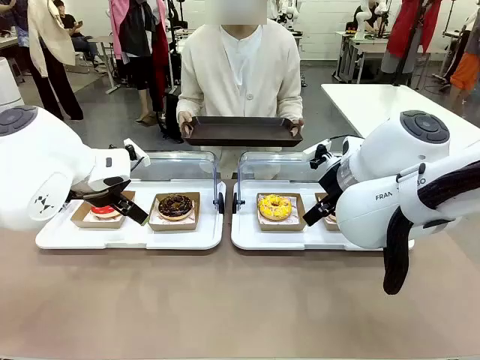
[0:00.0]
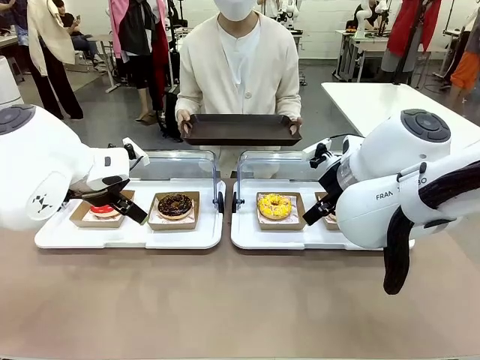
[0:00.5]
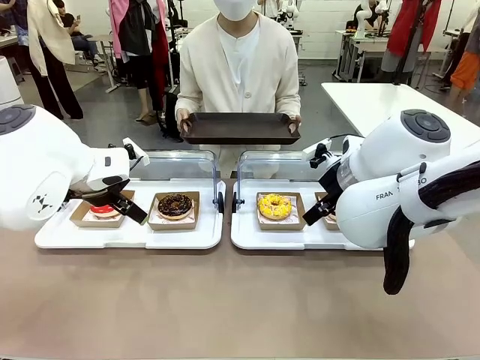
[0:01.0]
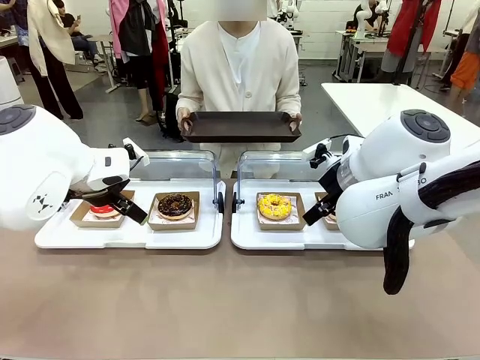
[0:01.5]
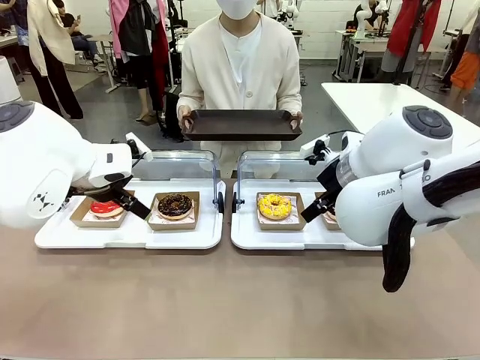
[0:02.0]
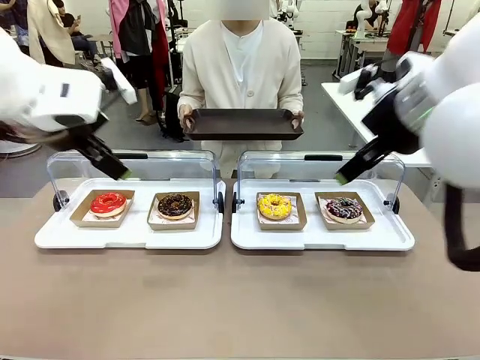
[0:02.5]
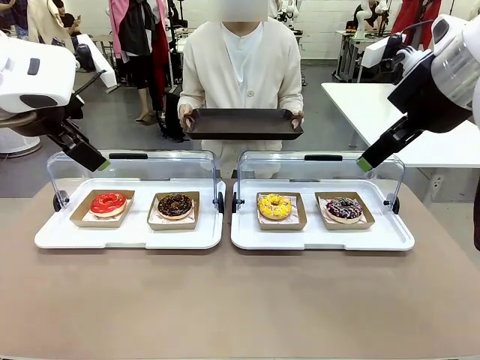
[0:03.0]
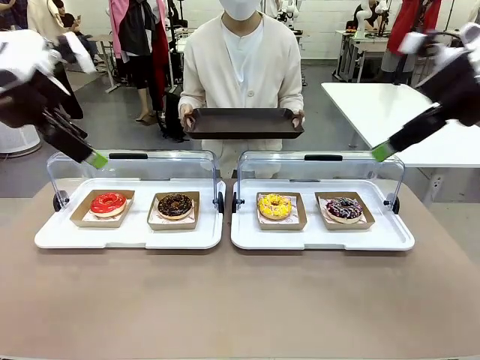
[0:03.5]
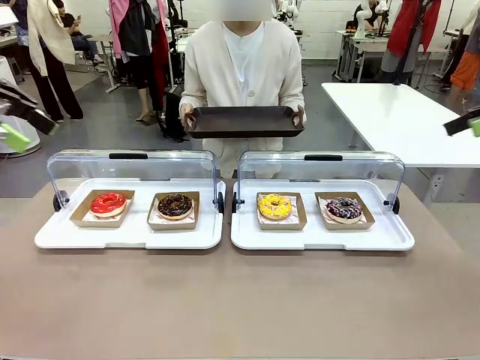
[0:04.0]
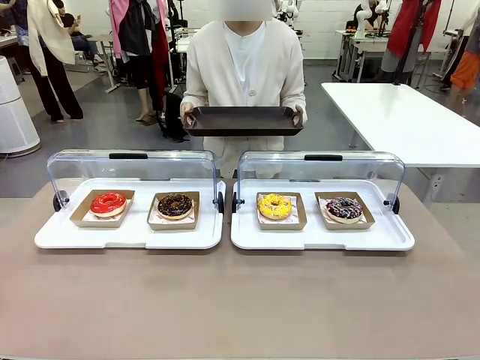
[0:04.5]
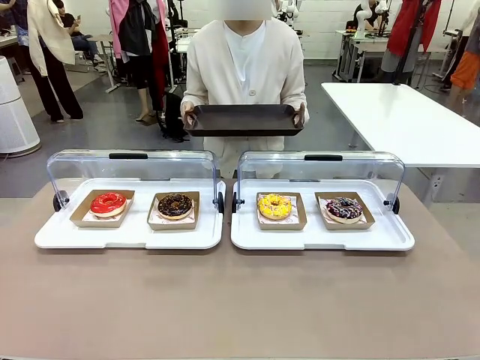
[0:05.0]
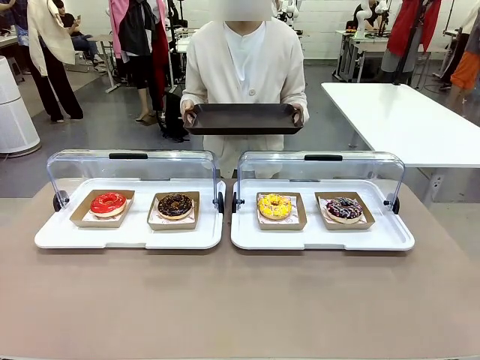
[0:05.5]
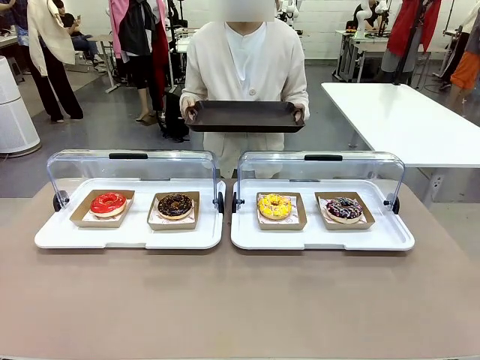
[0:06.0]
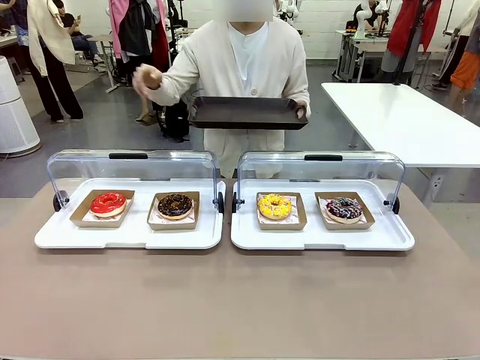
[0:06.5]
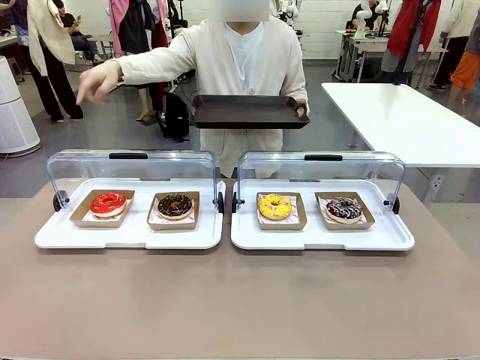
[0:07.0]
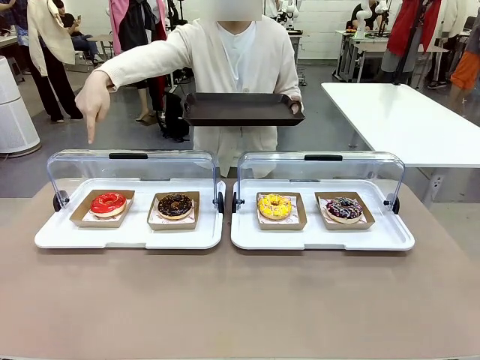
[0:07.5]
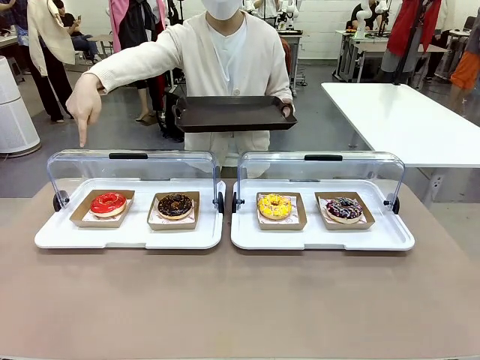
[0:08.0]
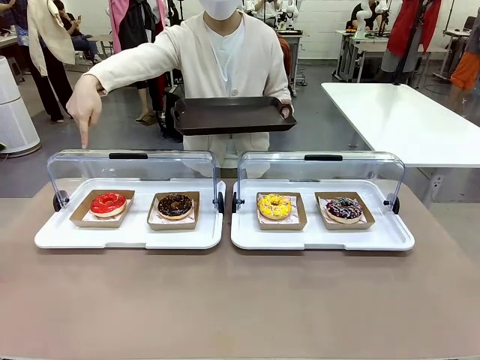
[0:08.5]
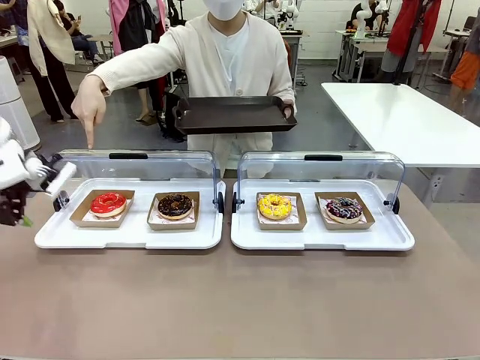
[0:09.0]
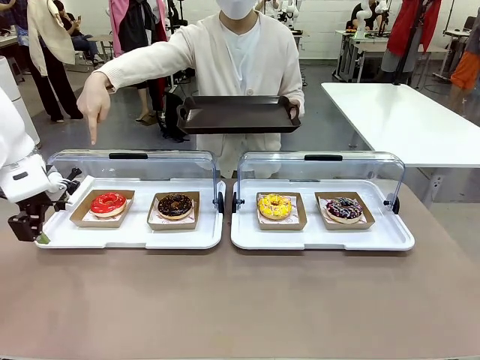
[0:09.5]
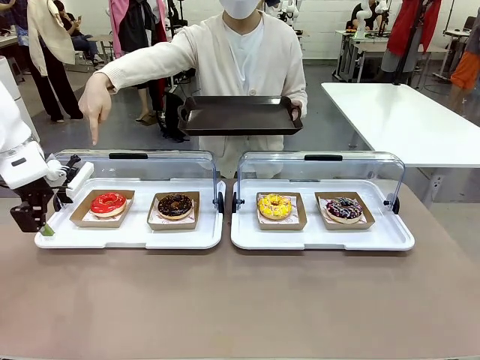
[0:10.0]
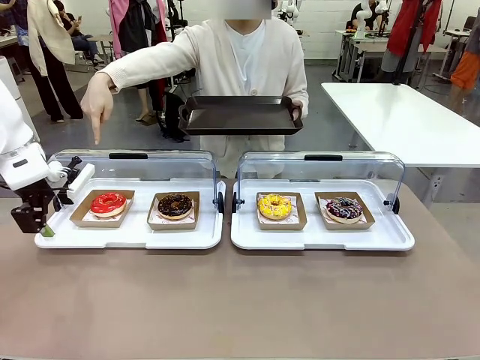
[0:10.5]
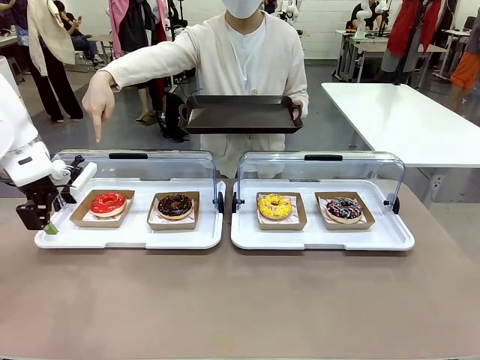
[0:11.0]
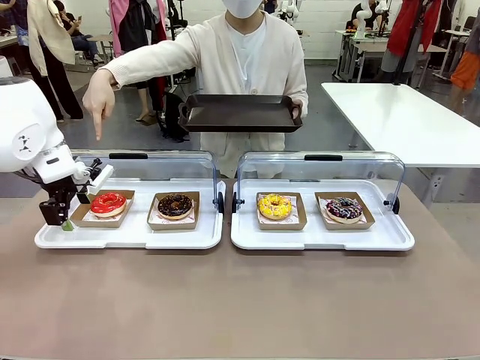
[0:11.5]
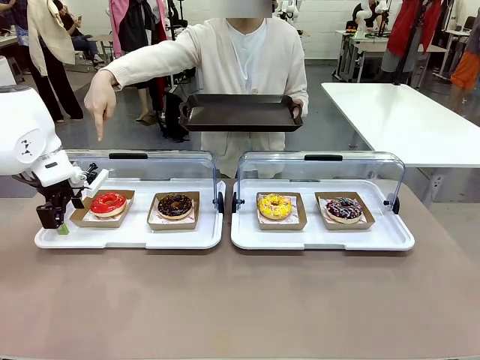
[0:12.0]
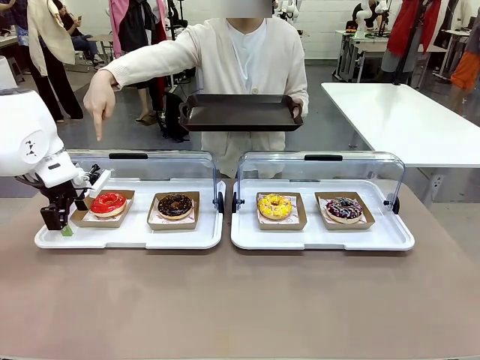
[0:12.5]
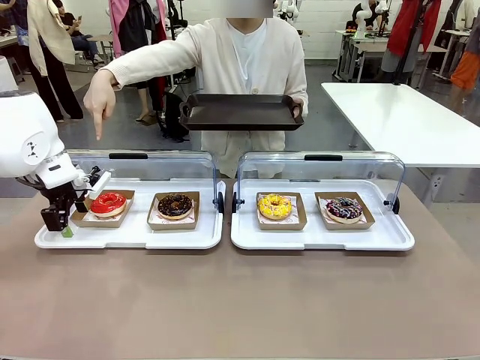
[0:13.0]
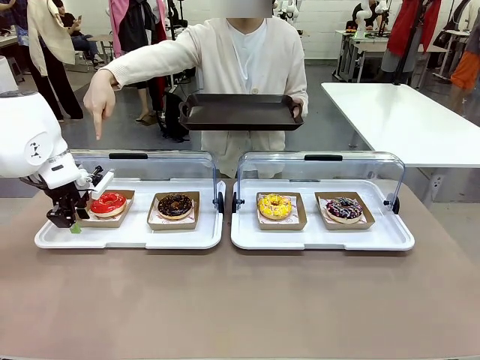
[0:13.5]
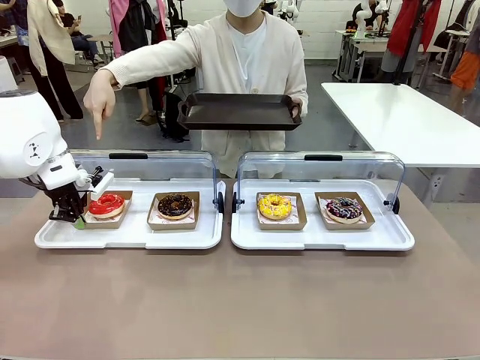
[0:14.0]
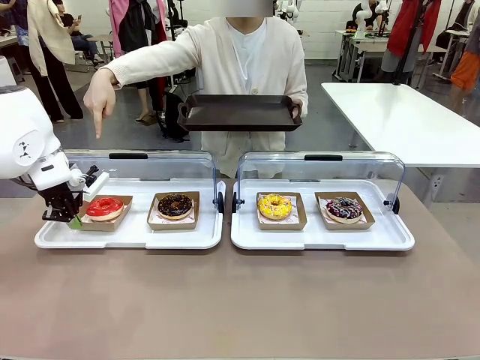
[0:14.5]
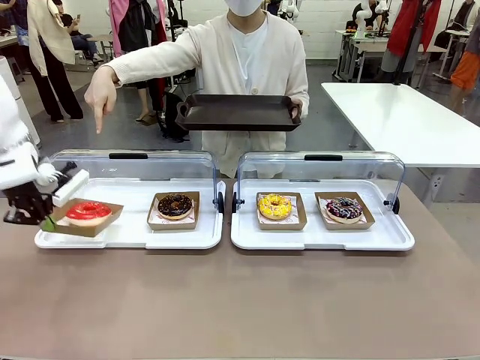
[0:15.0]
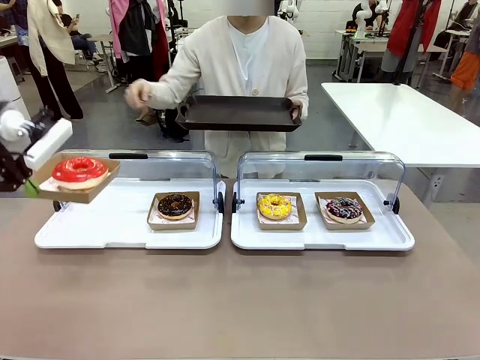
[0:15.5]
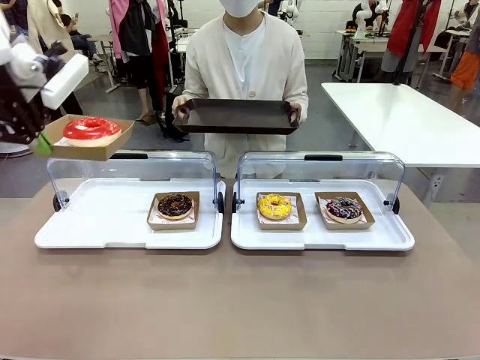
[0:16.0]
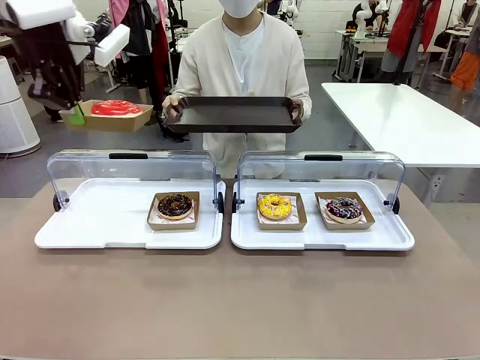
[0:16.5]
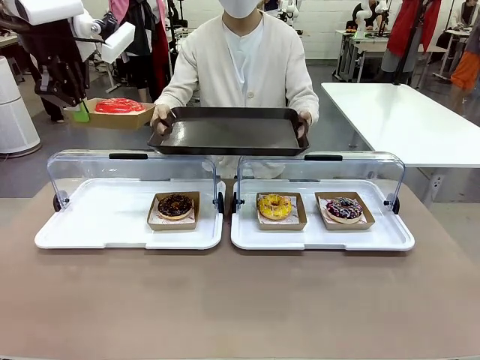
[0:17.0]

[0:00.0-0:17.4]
Task: Provide the desired donut to the person.
Robot: Pick up and lift the Paper togo box containing the Donut pointed at by the person.
Person: Point to one donut. Lift the tray onto the Roll-Top Bakery Case.

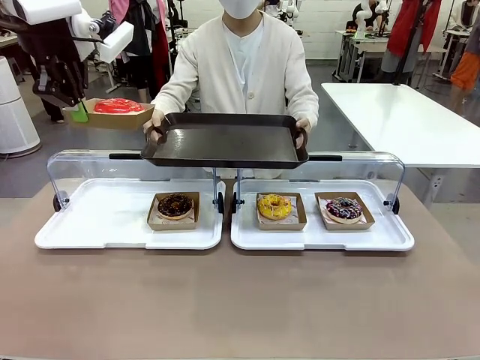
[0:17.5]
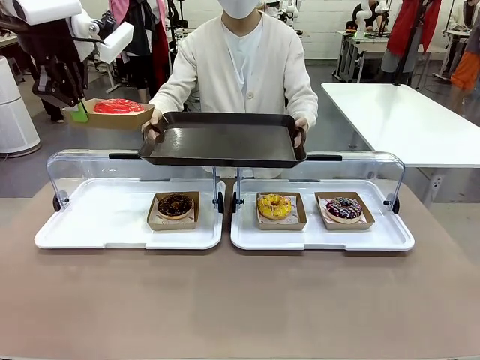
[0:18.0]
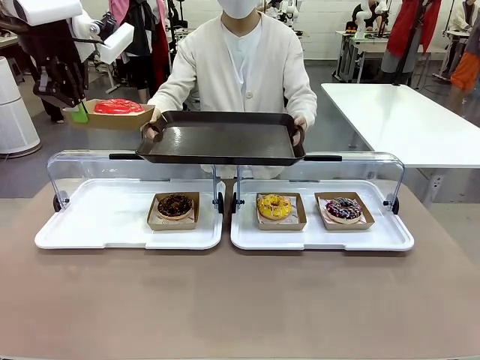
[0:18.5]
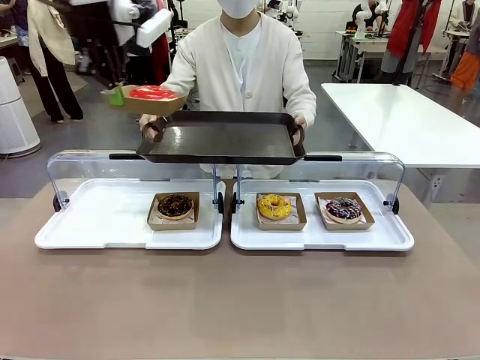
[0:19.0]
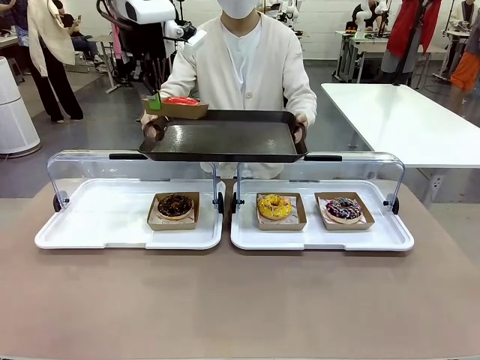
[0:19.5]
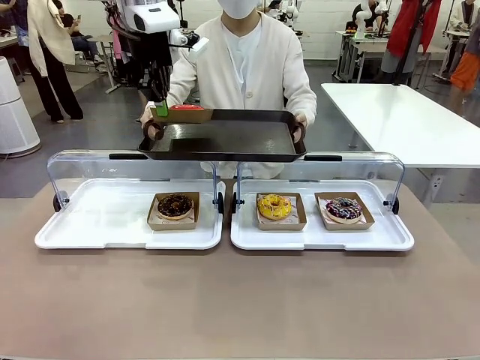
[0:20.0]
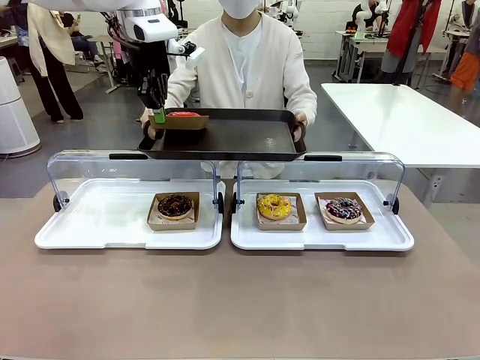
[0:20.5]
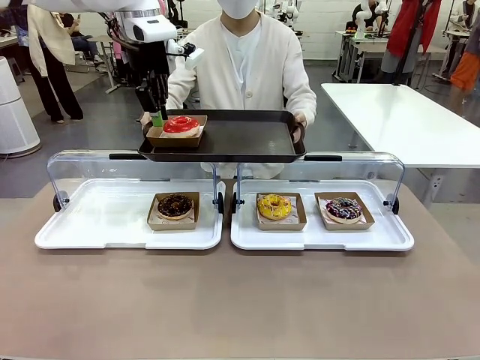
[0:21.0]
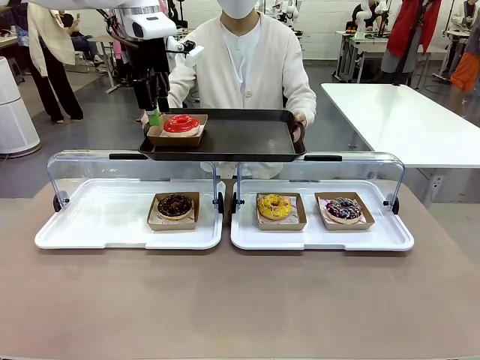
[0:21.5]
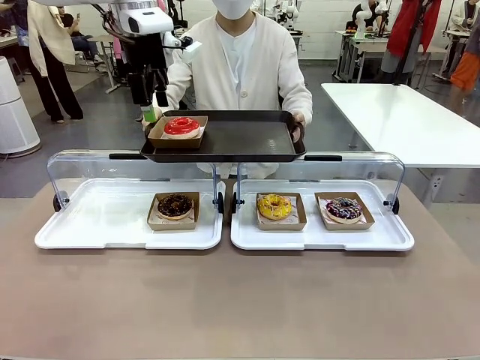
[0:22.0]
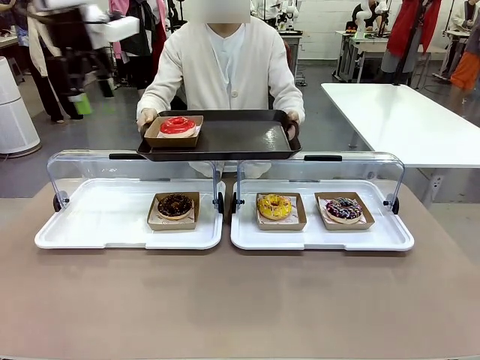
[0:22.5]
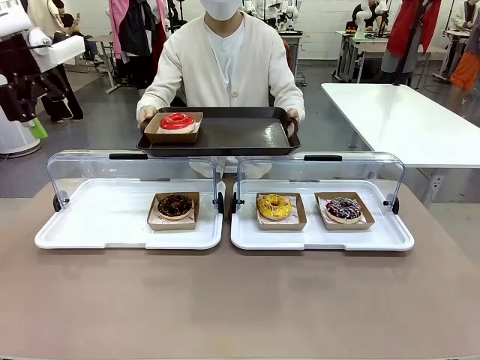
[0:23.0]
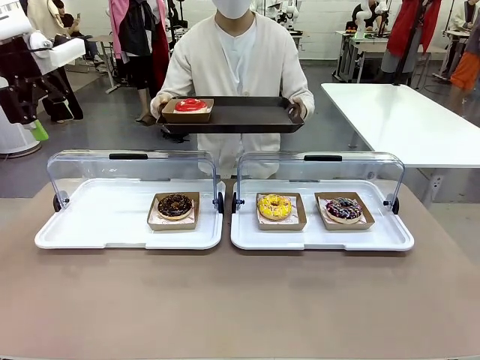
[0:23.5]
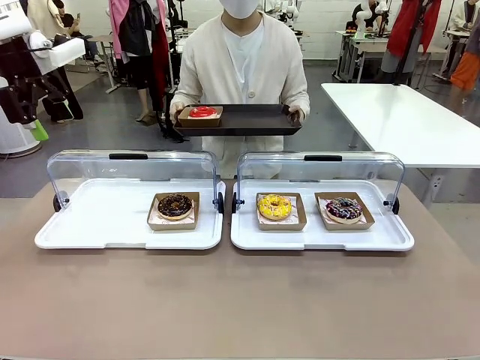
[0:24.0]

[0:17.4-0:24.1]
Robot: Place the picked Paper togo box onto the Handle tray extended by the person.
